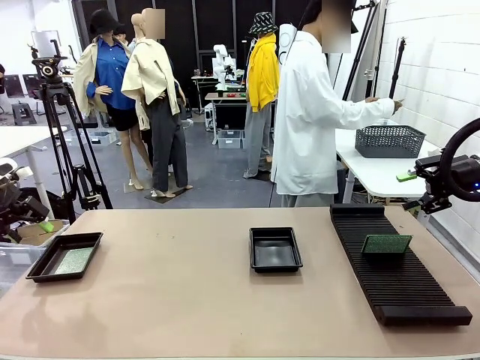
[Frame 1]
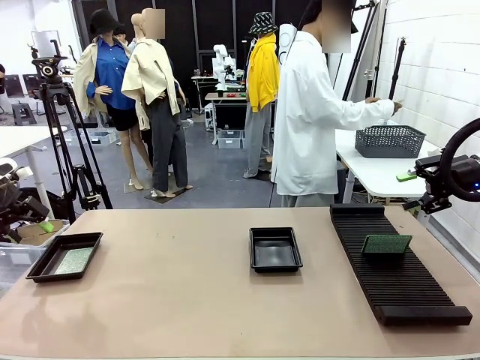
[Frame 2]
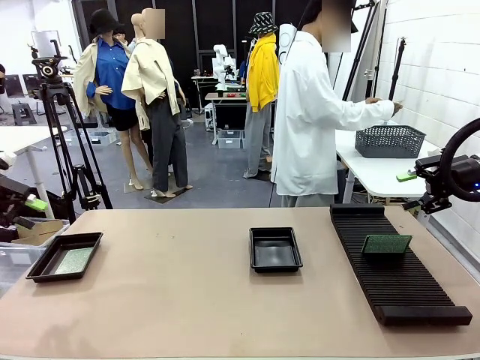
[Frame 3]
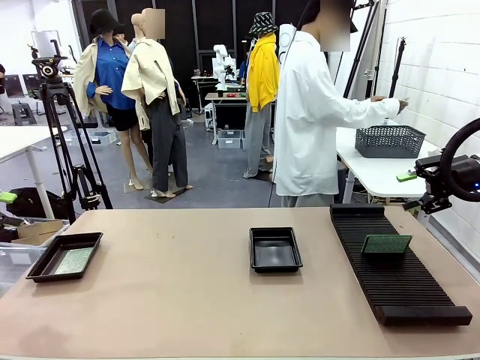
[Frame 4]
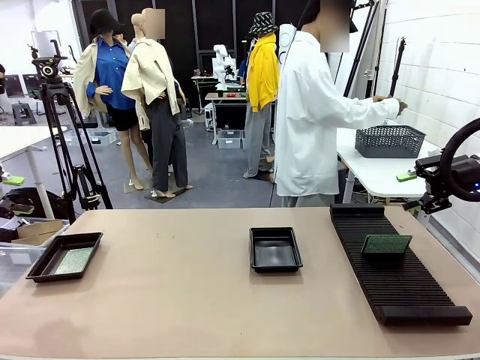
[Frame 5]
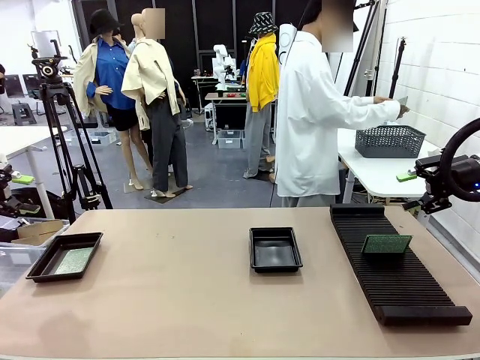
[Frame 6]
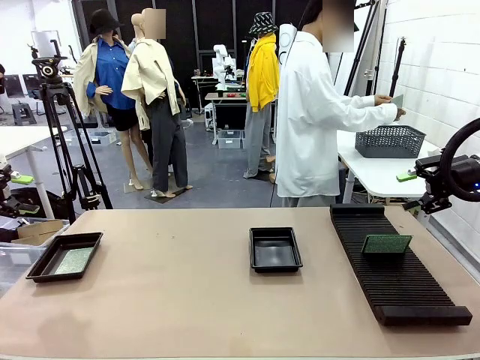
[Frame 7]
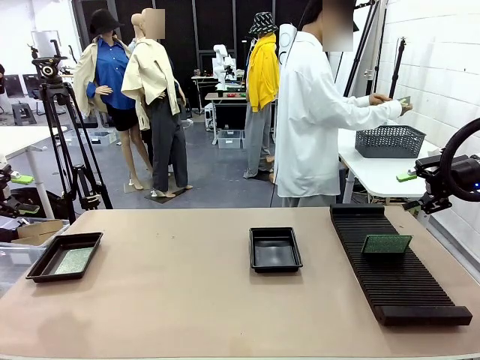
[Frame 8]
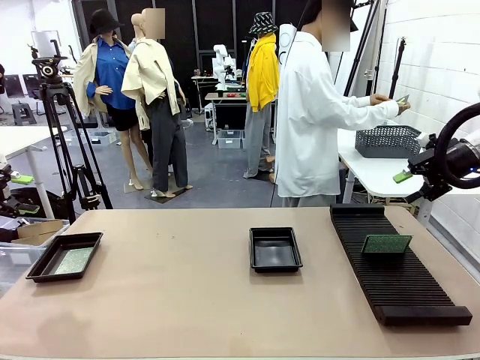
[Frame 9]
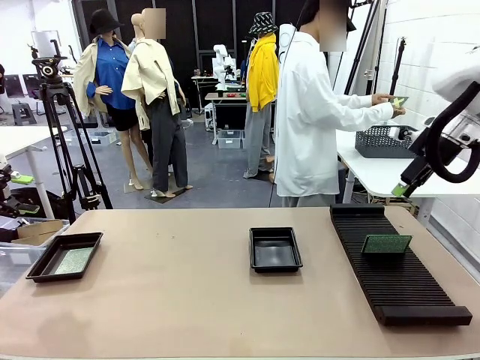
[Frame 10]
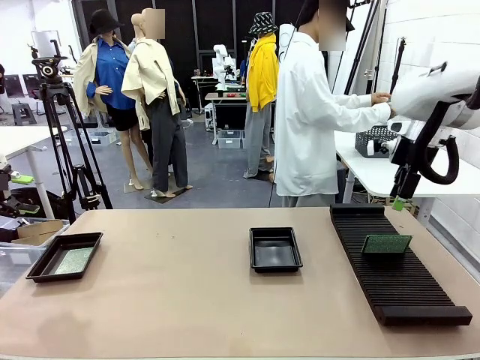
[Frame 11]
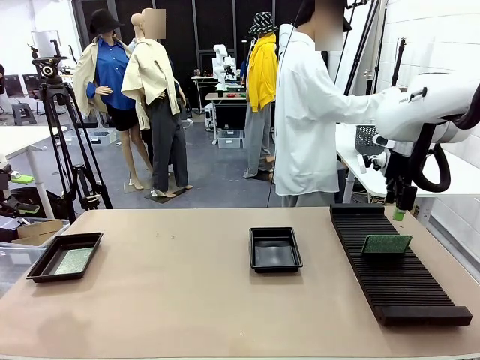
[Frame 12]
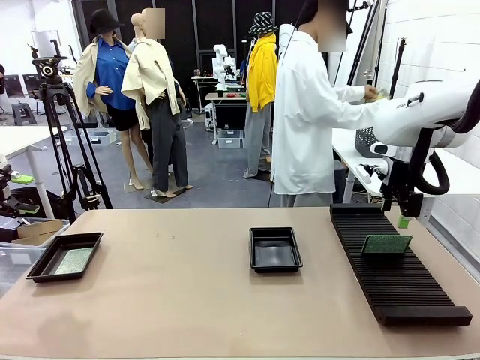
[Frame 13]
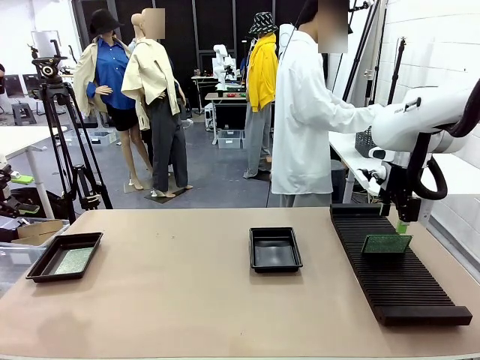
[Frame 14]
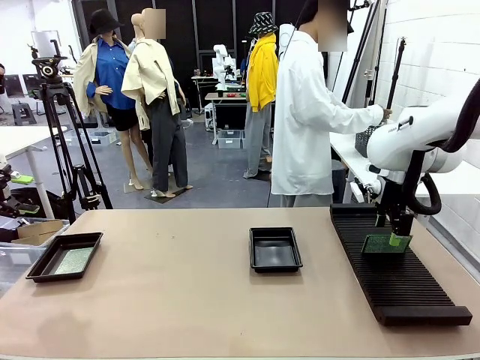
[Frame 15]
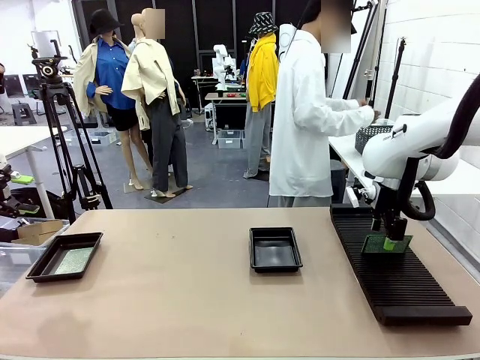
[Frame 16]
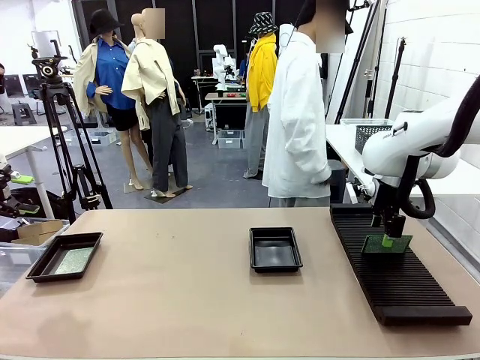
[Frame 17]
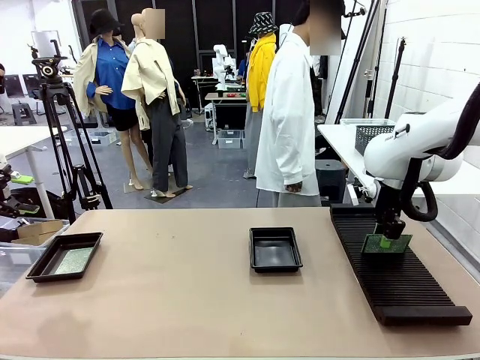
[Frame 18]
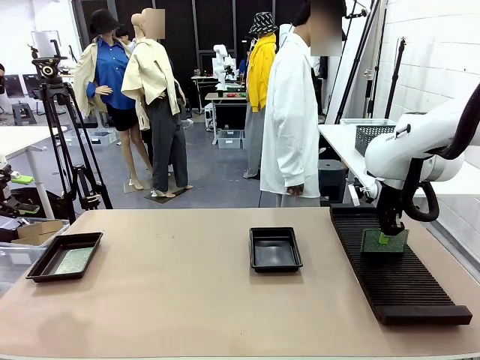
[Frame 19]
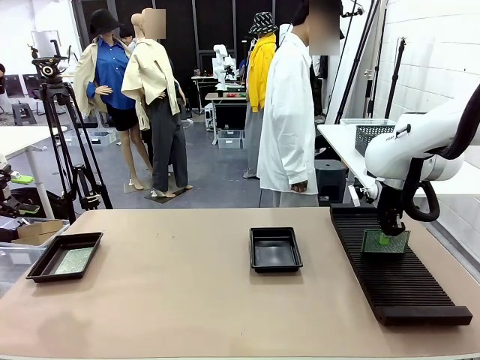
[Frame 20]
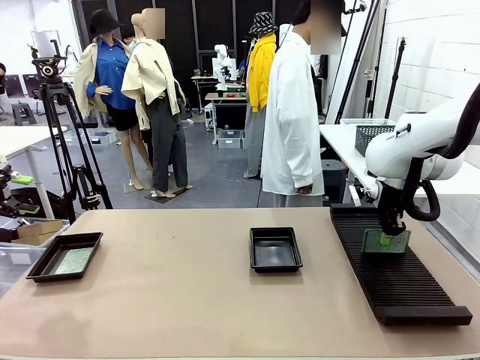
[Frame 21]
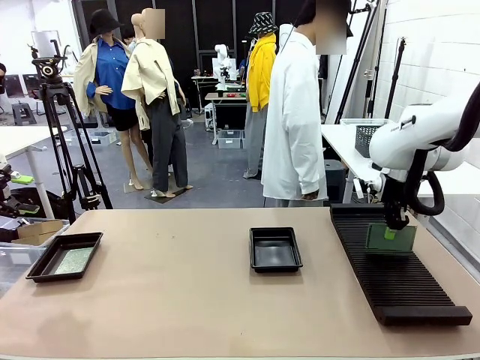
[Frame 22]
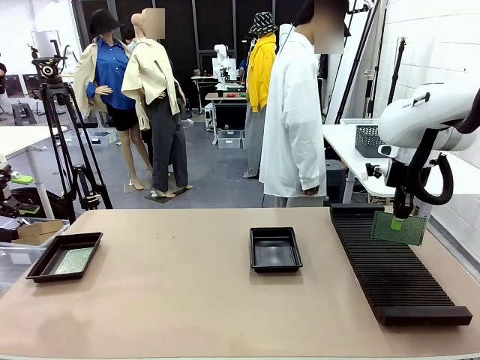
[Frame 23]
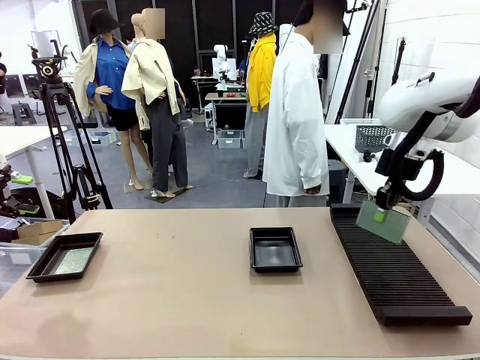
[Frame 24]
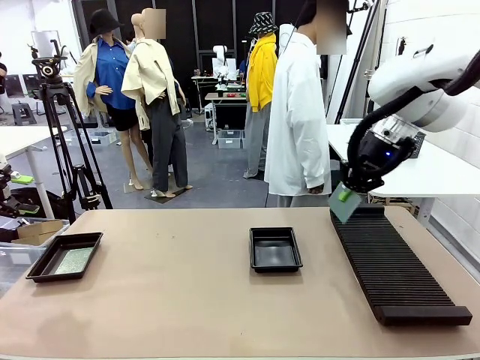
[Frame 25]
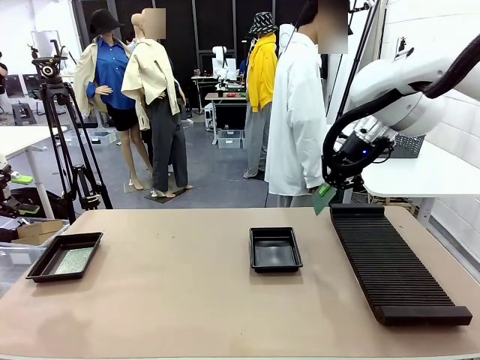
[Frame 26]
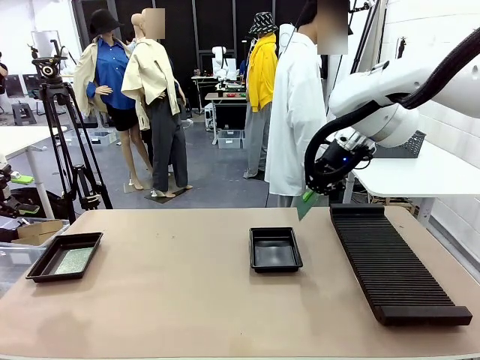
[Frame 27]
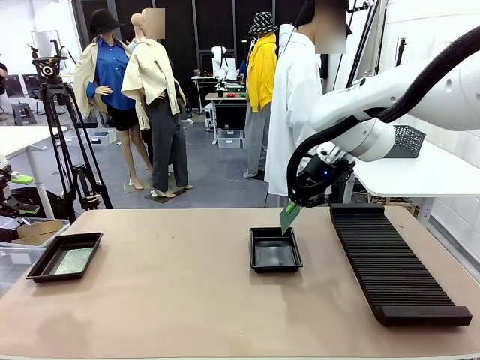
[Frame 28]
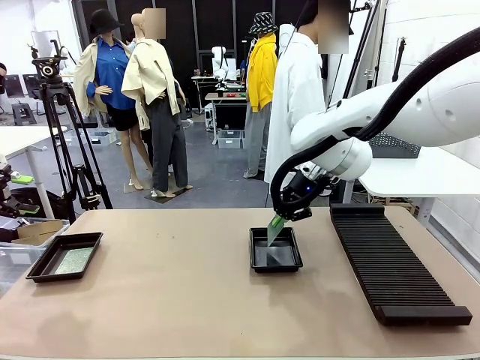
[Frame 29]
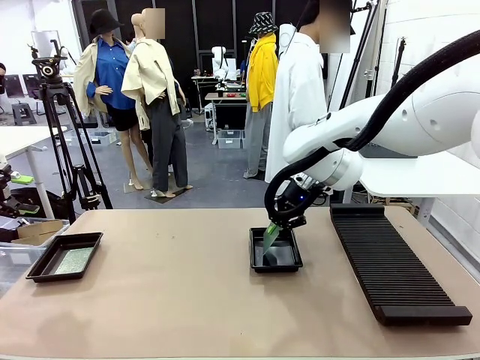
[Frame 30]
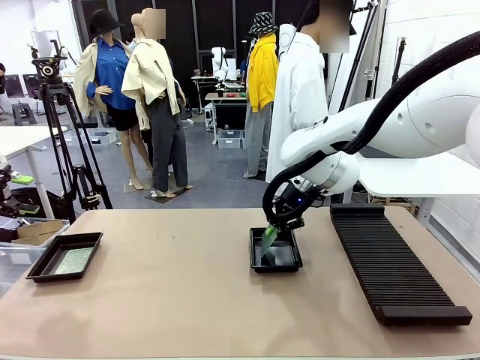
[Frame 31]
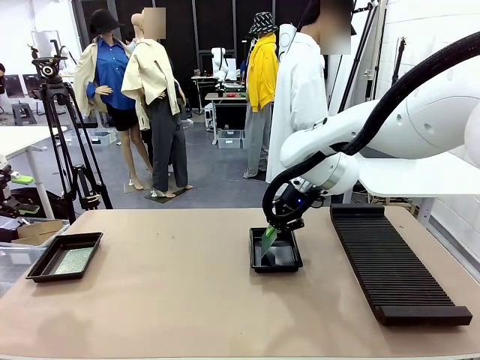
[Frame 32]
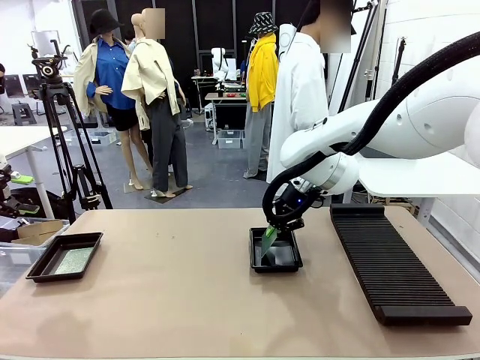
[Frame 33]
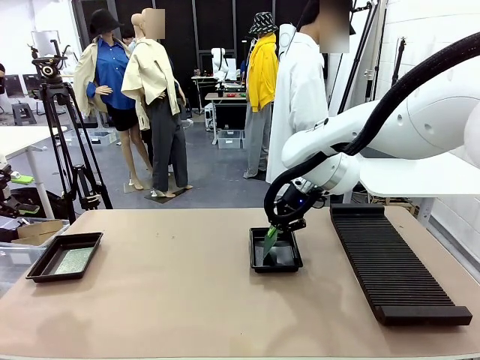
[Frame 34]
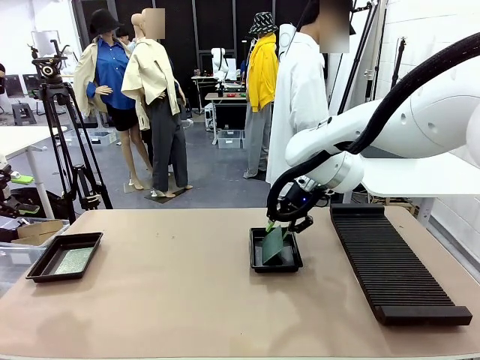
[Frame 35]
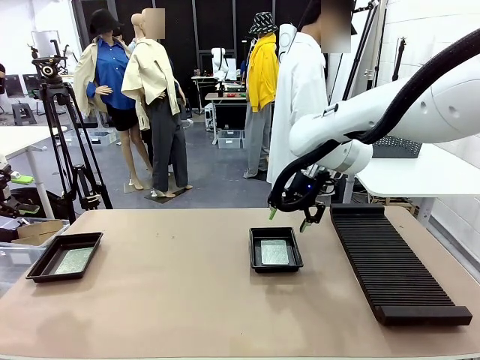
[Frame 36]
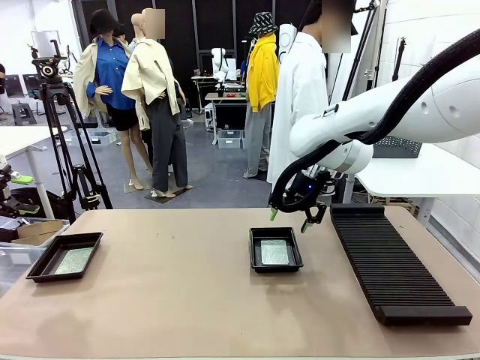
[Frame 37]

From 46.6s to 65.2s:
Task: Inspect and transfer BCBs to ESD trays.
Robot: Pick up the Blank PCB from the PCB Rack and place it in the right ESD tray.
